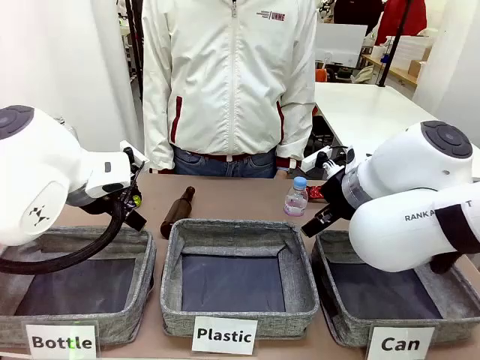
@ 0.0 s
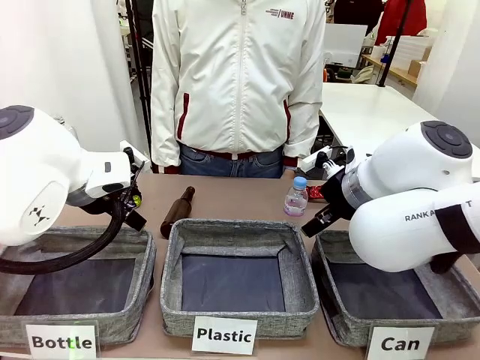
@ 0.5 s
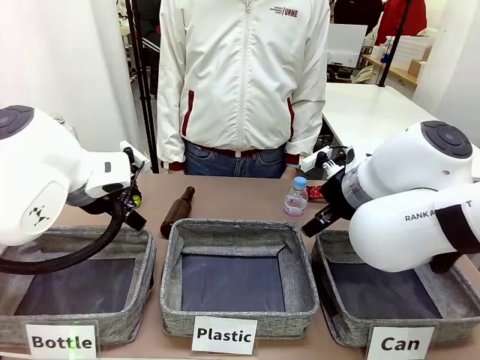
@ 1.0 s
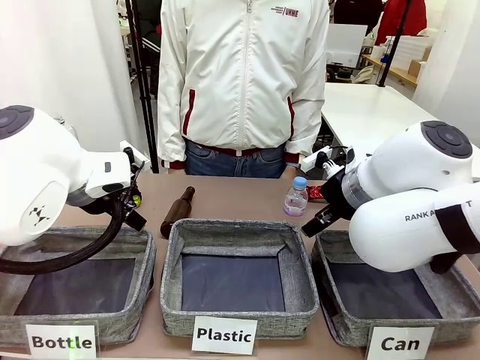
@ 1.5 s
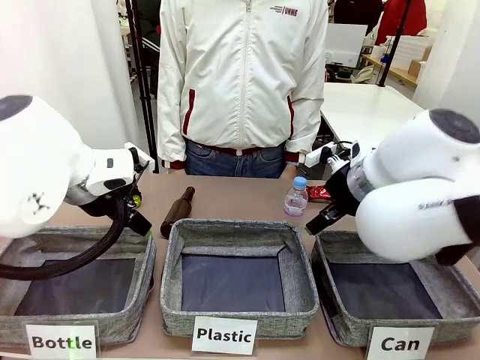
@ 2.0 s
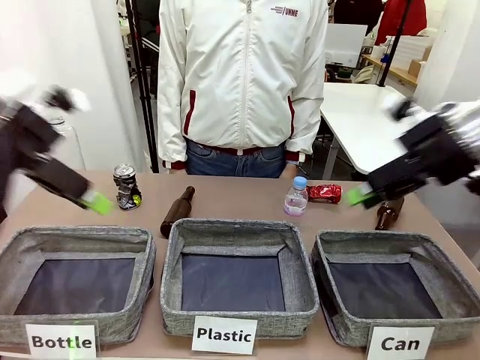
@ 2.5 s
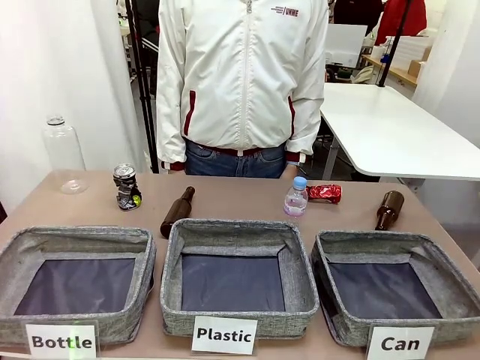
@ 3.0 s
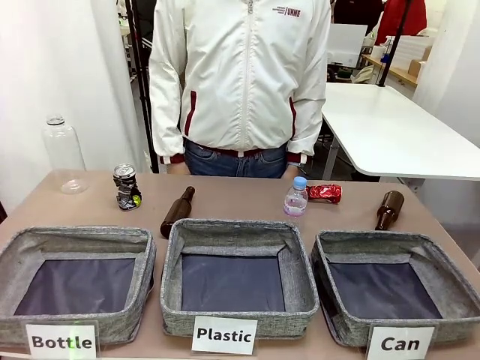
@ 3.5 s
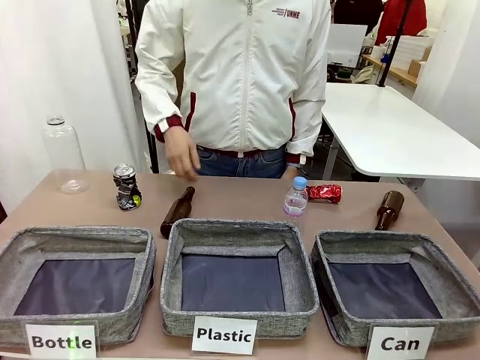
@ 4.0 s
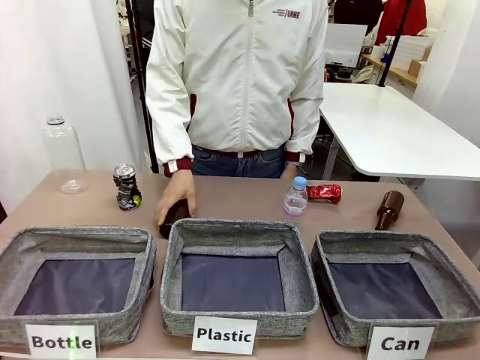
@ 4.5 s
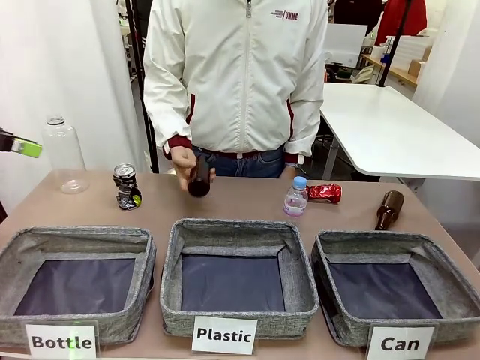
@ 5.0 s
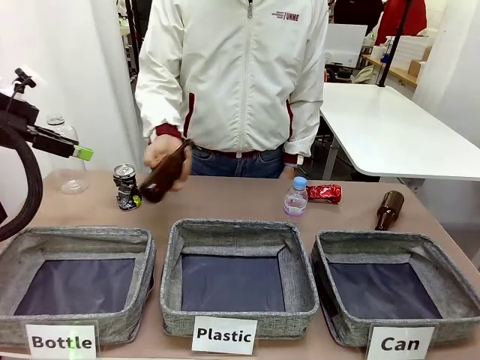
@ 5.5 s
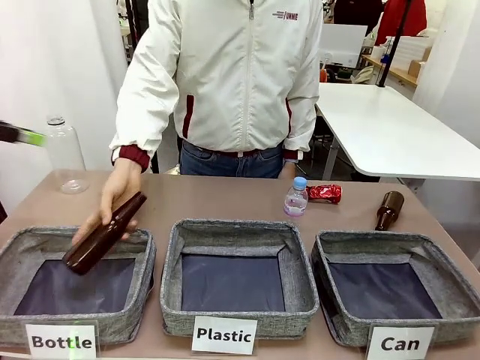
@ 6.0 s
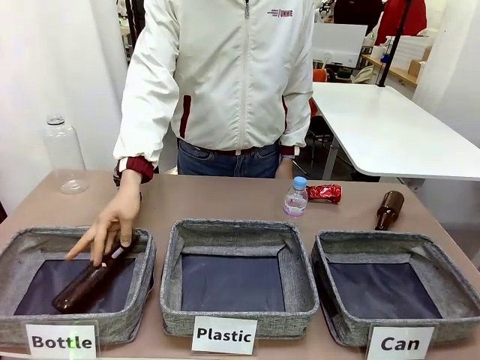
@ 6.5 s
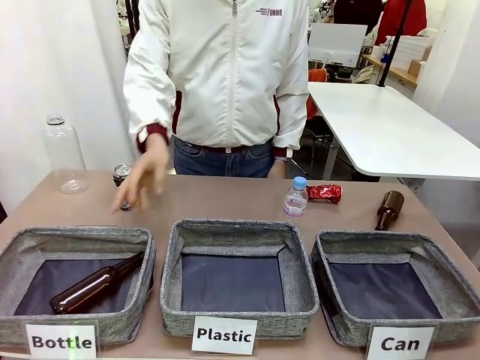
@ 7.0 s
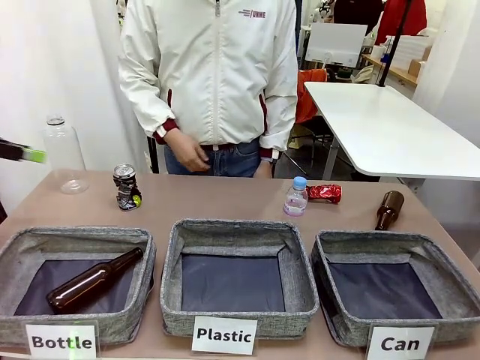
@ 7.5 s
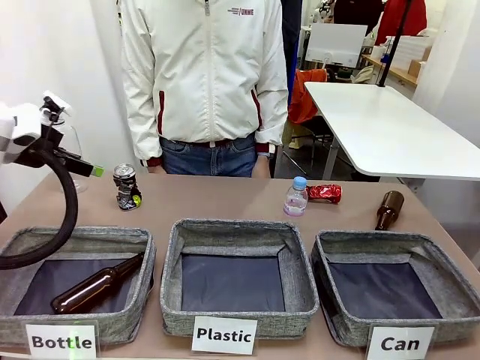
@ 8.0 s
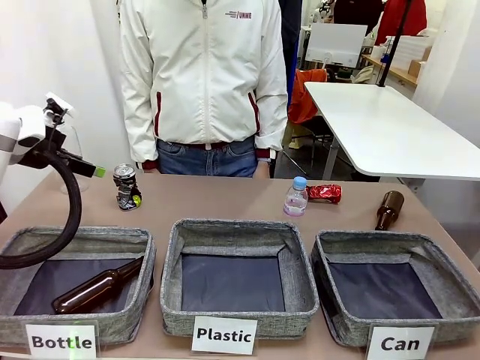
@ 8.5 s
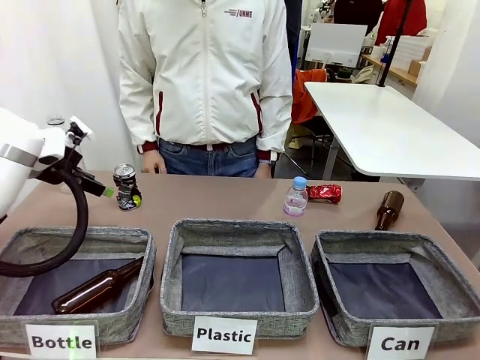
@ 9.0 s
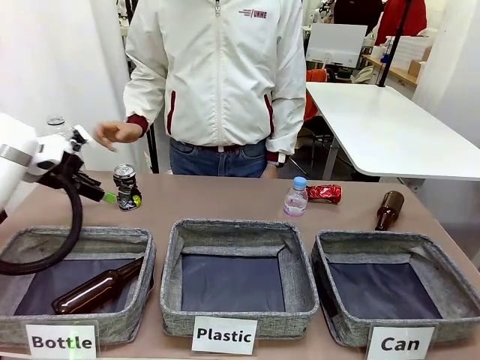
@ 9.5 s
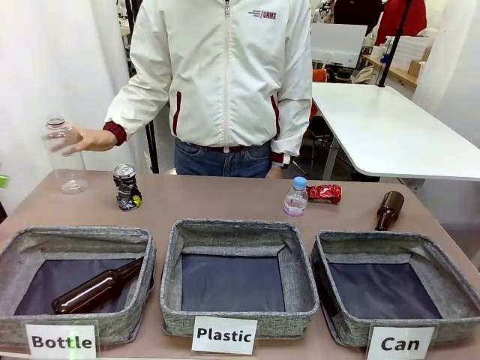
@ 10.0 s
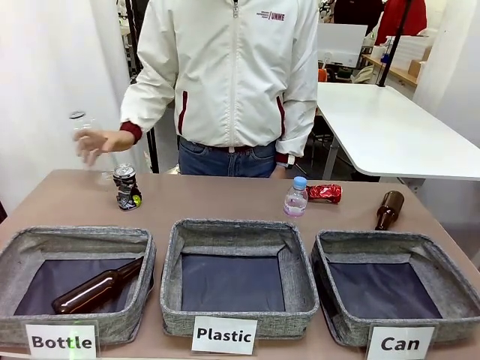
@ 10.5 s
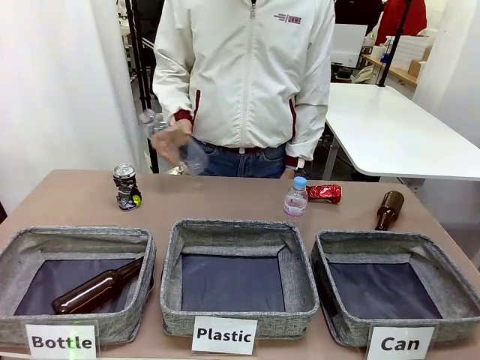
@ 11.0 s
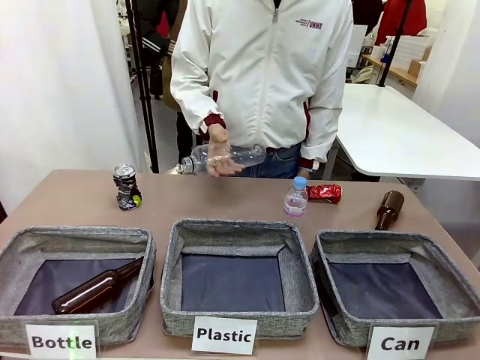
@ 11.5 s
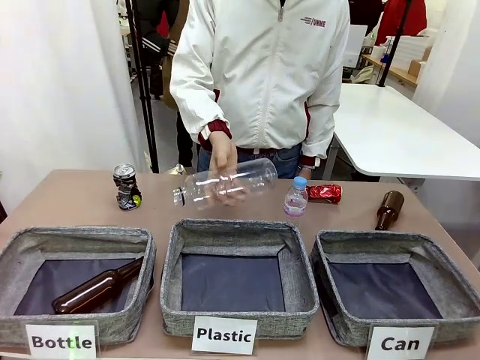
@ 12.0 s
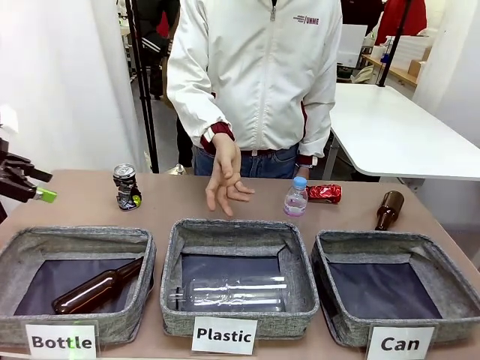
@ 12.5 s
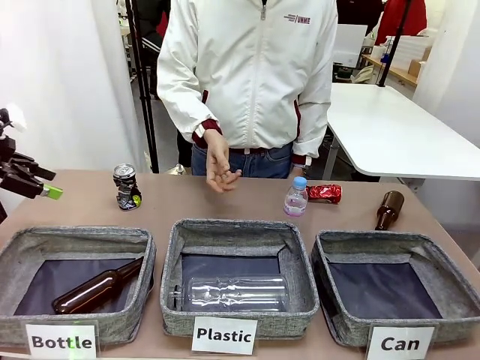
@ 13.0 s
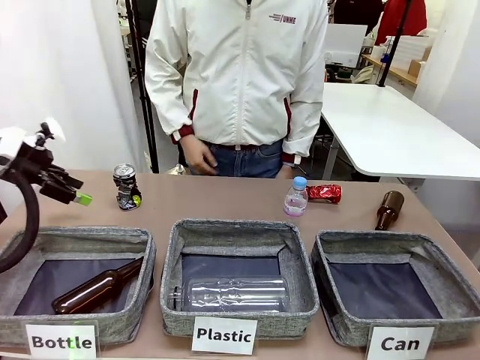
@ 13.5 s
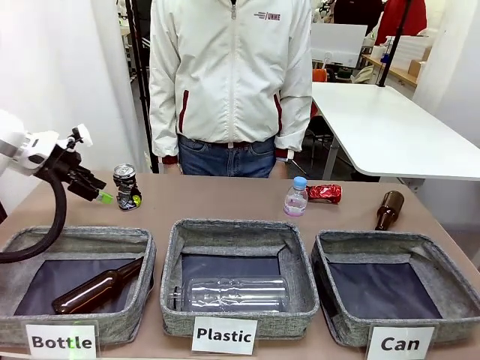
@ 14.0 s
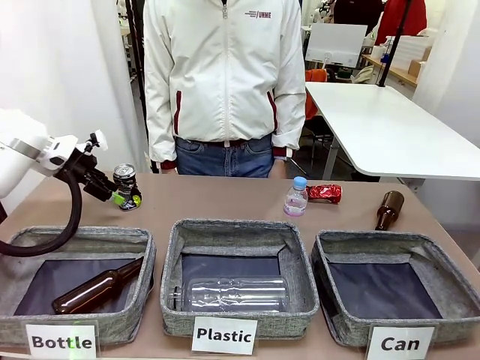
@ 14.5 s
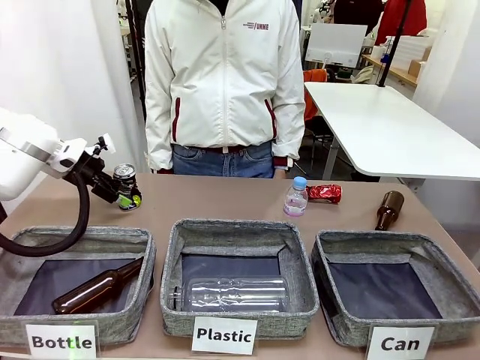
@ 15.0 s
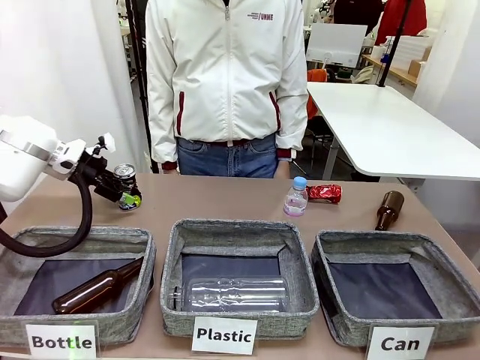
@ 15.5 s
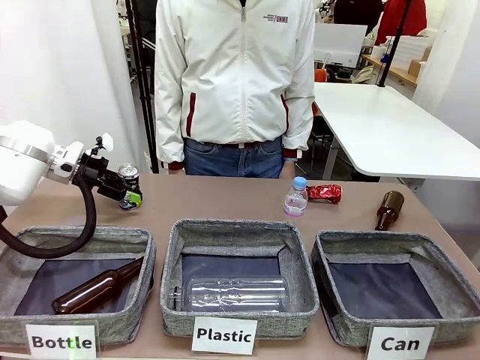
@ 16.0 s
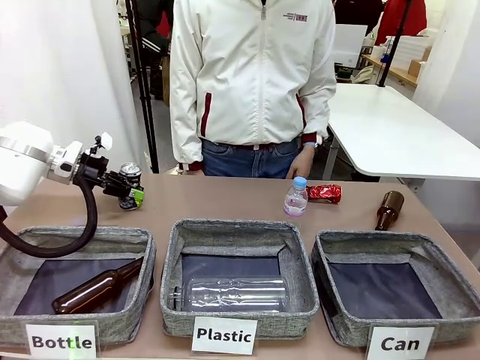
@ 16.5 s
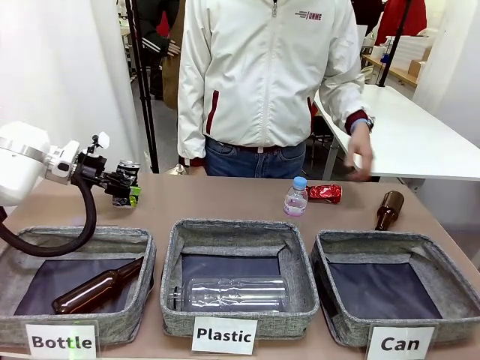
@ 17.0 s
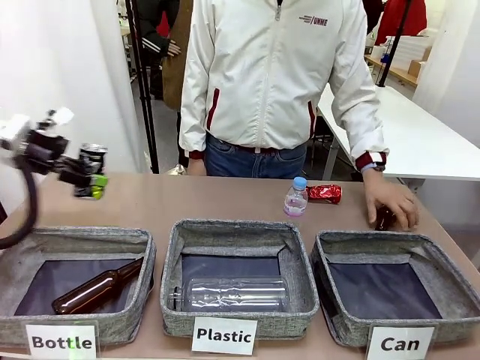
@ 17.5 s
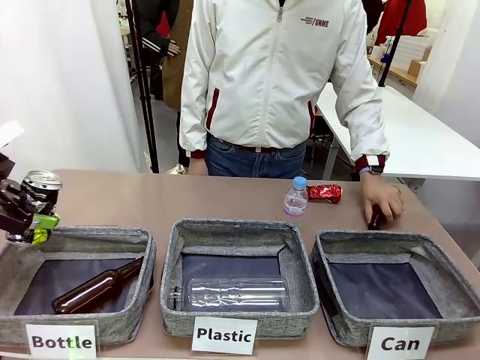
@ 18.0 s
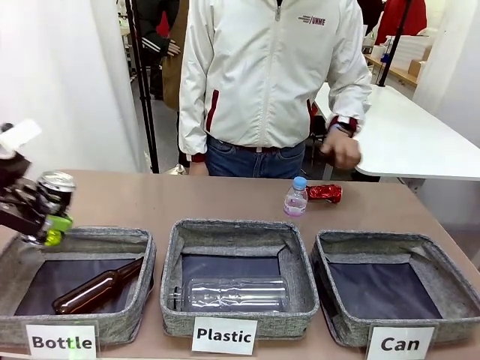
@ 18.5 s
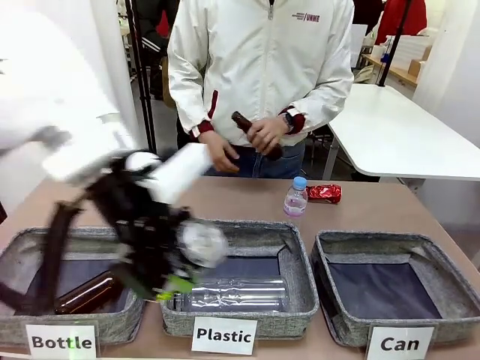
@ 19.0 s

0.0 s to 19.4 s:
Task: Sort the can waste into the basket.
Robot: Pick up the can waste from the table and place it in the right Fabric basket.
